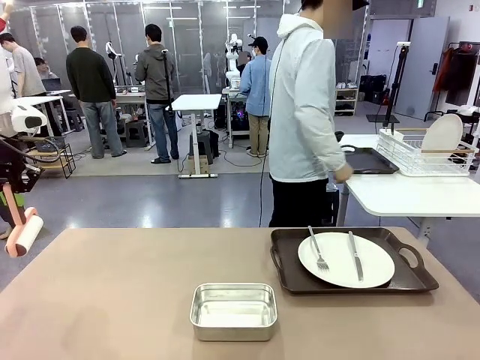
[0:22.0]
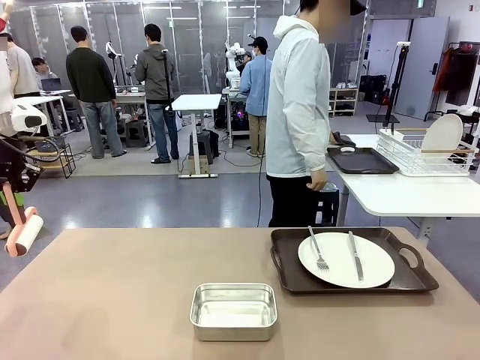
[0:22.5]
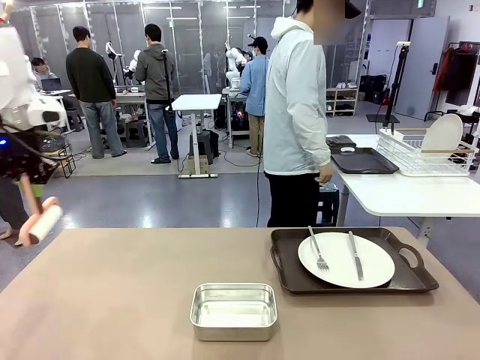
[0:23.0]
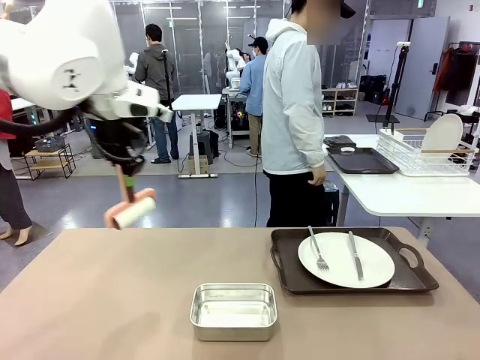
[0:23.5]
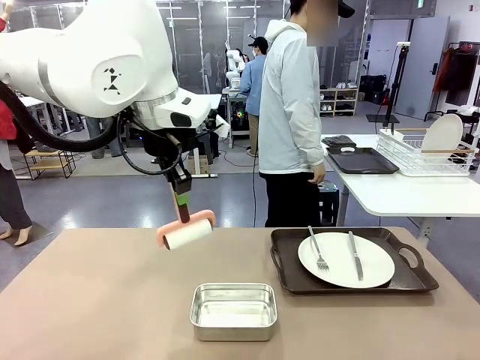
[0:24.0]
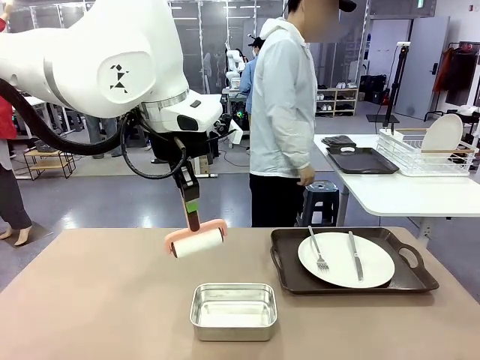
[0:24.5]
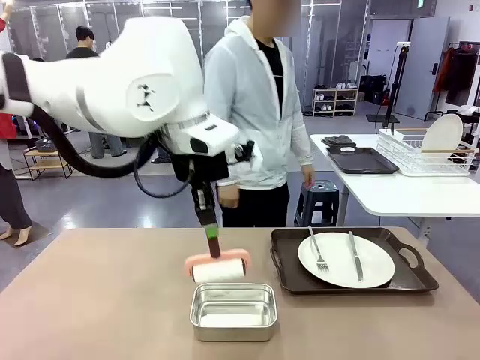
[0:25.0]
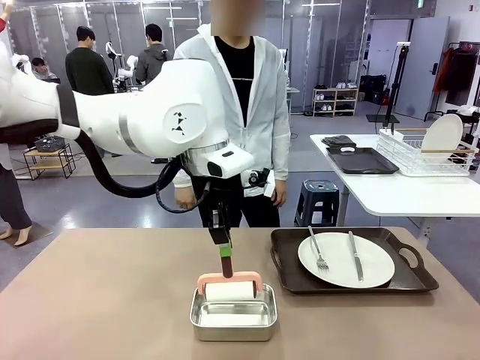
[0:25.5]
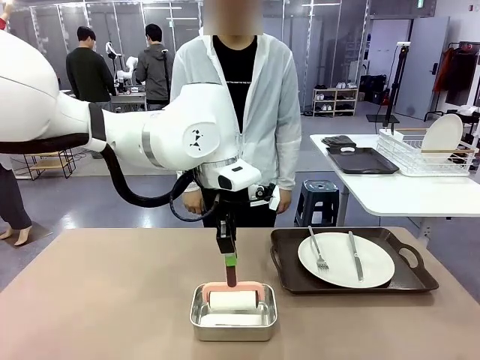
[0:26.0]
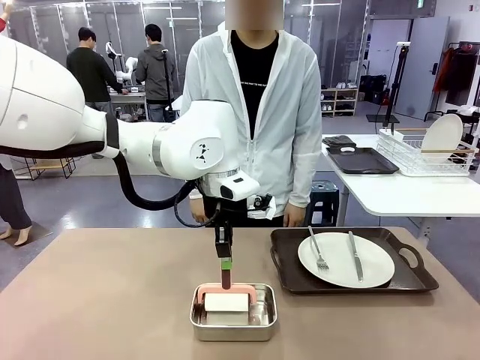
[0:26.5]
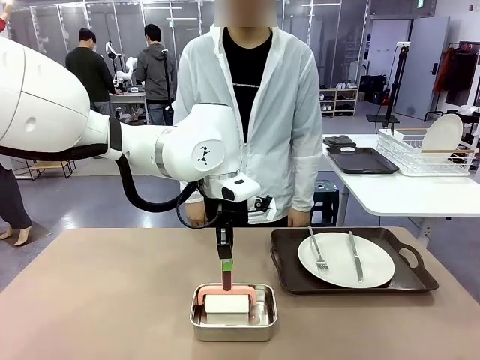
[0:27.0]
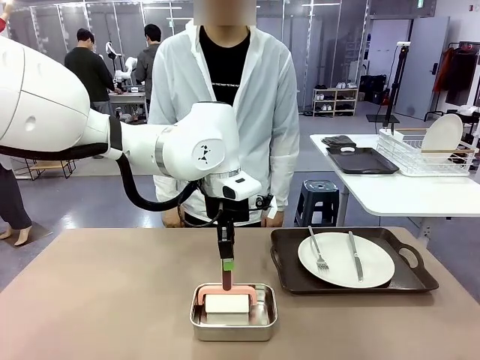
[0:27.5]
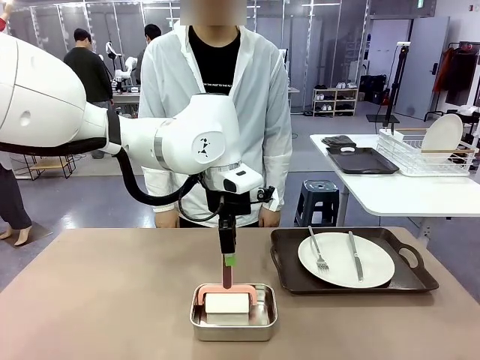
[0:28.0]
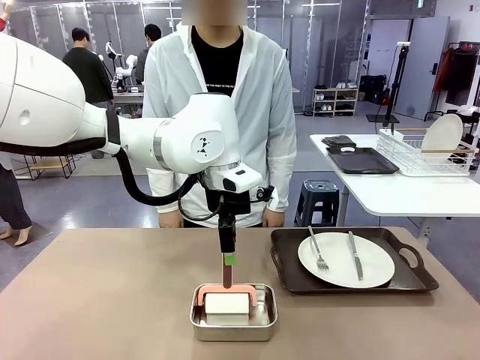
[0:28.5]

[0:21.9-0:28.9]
Robot: Place the Lint Roller back on top of the Airtight Container.

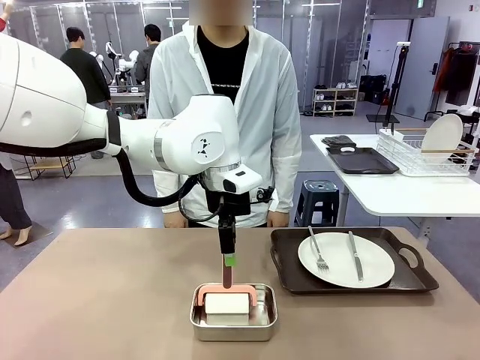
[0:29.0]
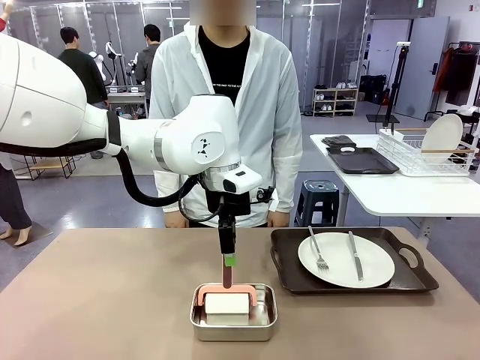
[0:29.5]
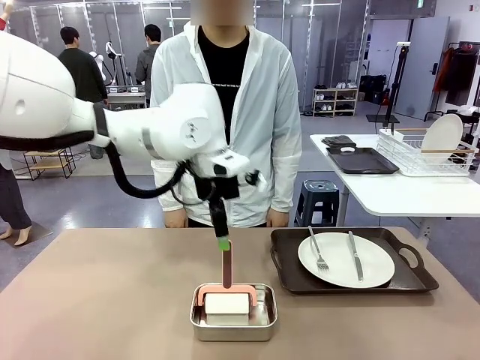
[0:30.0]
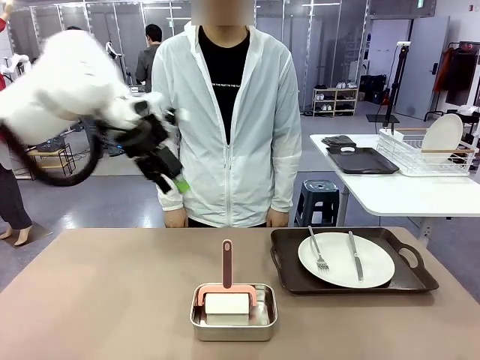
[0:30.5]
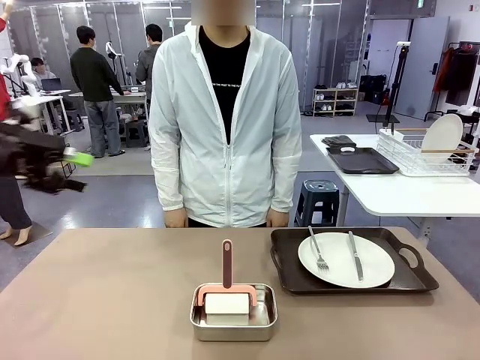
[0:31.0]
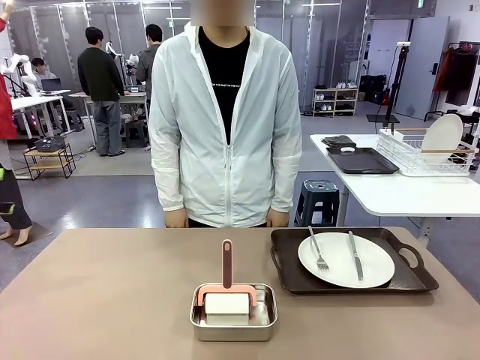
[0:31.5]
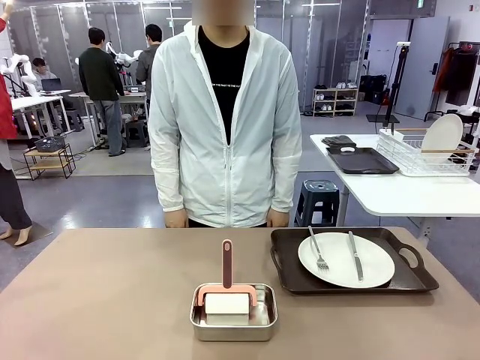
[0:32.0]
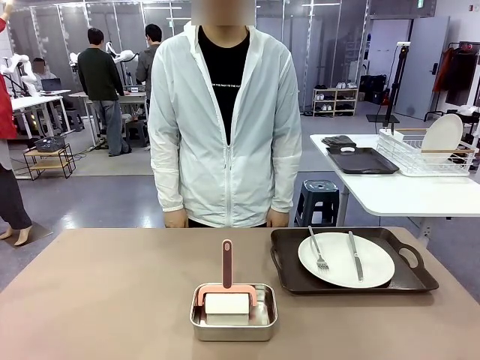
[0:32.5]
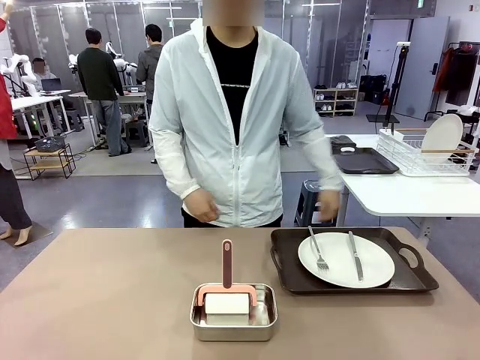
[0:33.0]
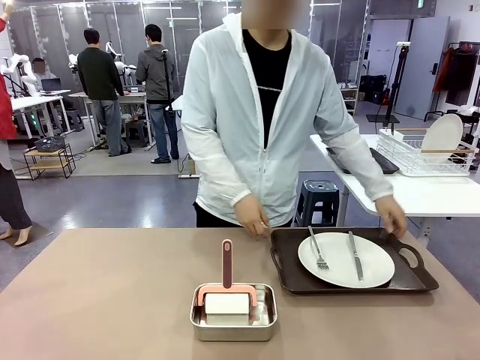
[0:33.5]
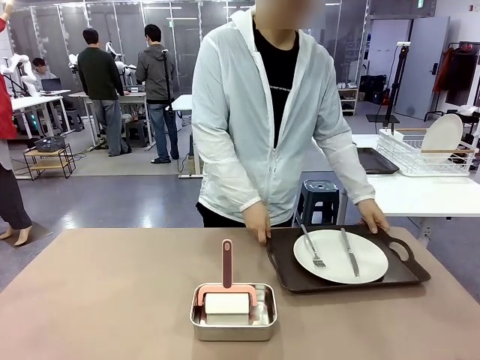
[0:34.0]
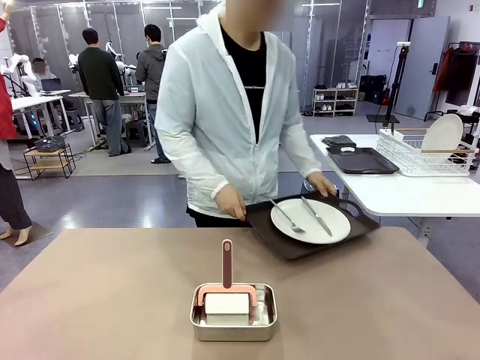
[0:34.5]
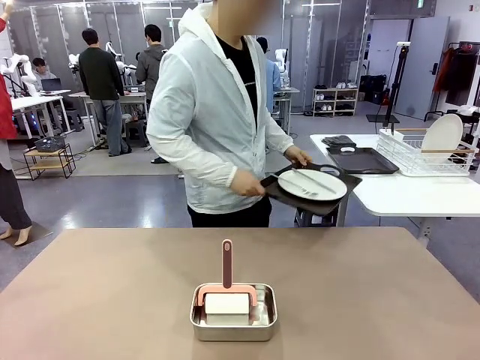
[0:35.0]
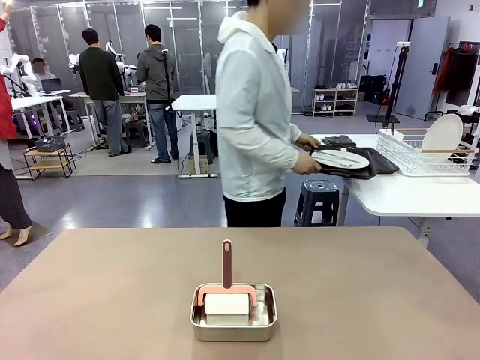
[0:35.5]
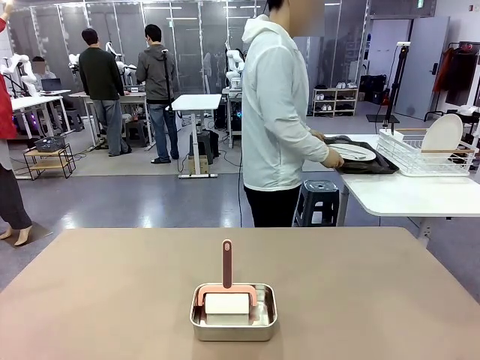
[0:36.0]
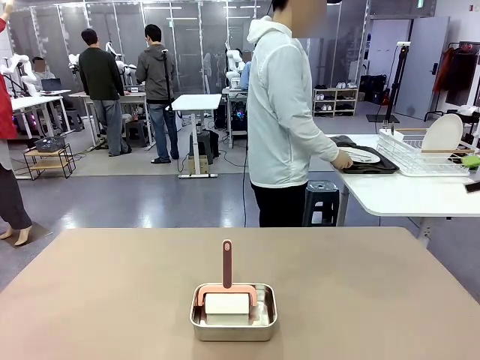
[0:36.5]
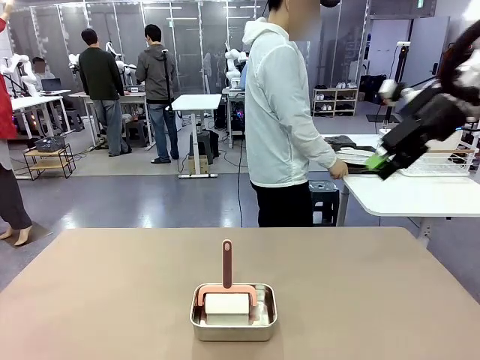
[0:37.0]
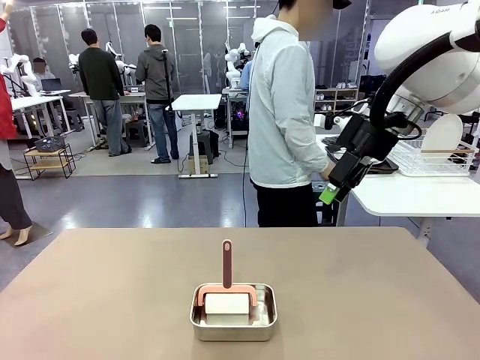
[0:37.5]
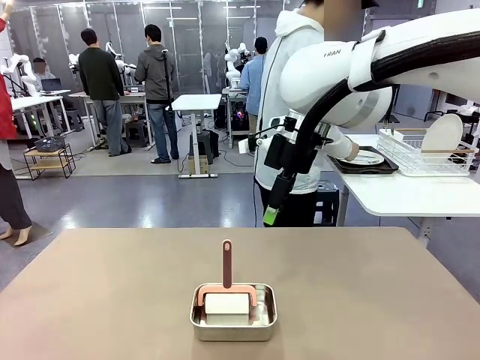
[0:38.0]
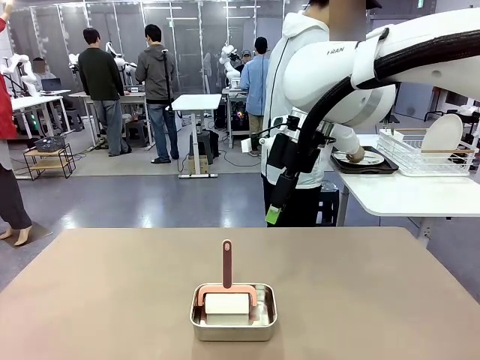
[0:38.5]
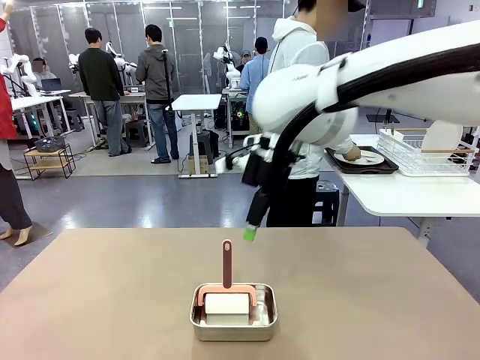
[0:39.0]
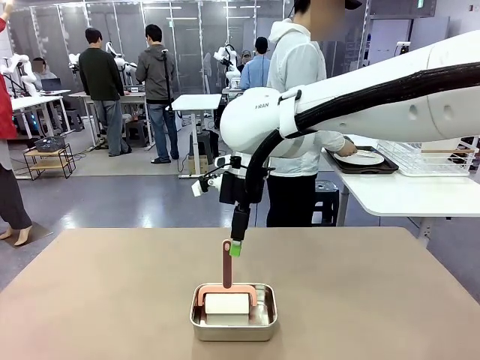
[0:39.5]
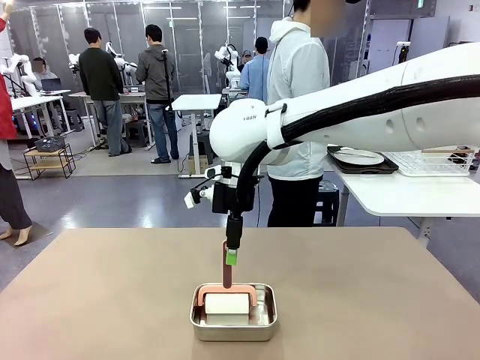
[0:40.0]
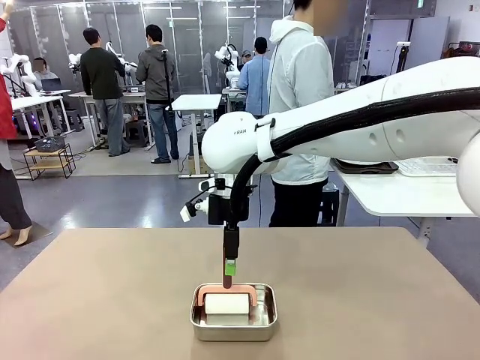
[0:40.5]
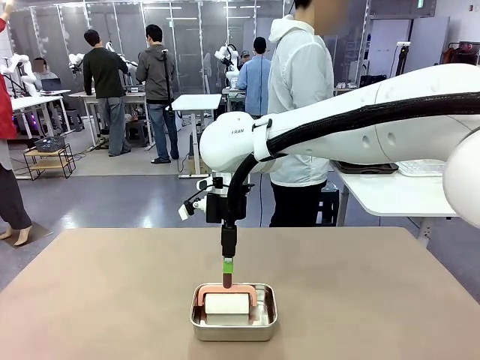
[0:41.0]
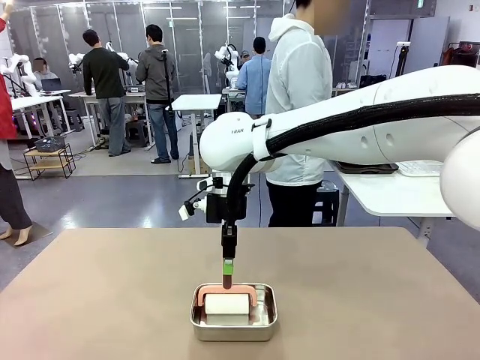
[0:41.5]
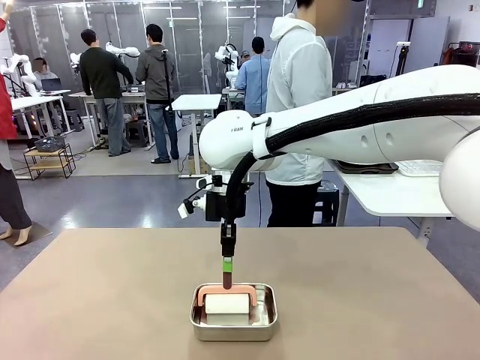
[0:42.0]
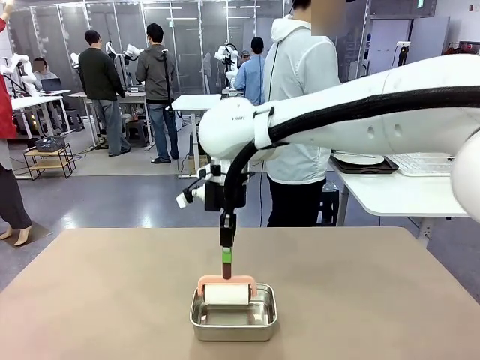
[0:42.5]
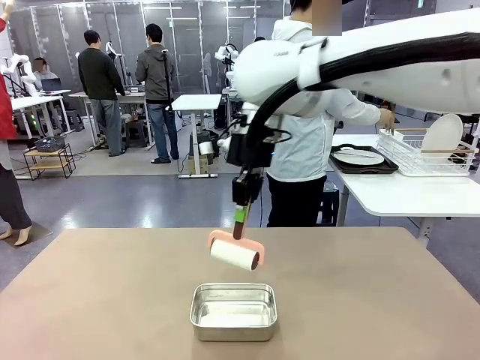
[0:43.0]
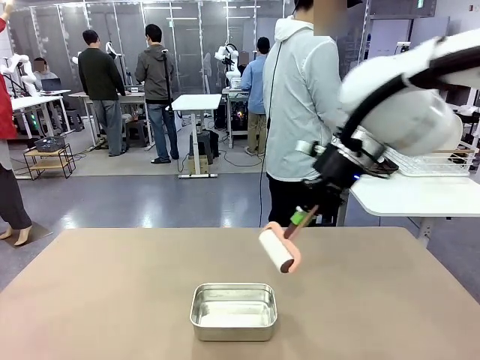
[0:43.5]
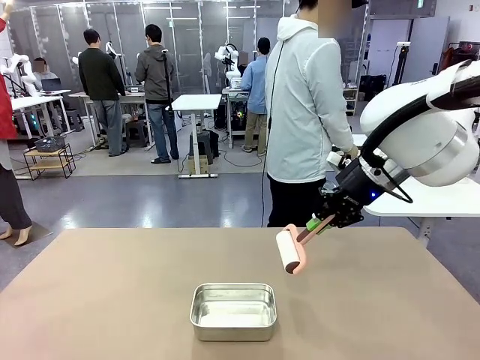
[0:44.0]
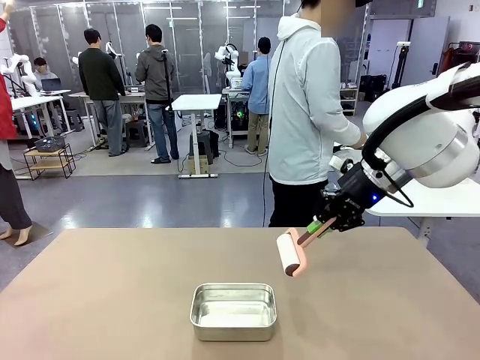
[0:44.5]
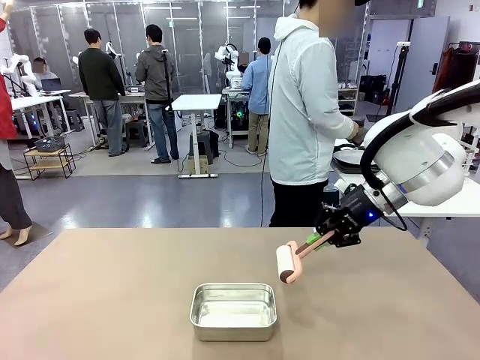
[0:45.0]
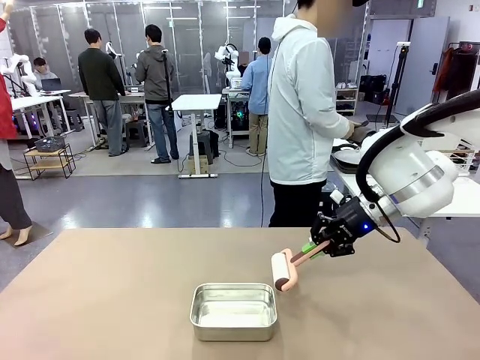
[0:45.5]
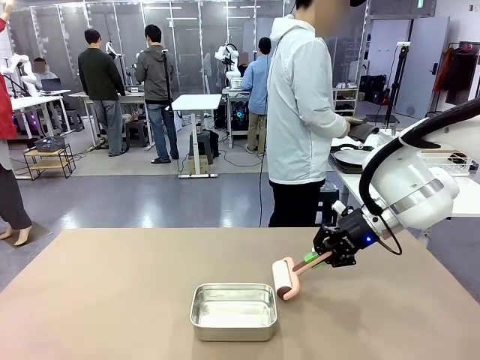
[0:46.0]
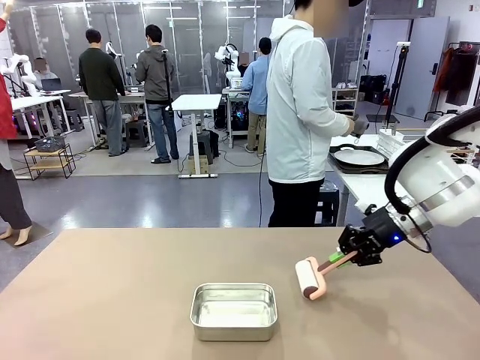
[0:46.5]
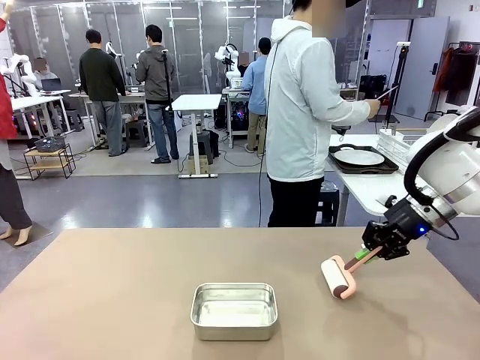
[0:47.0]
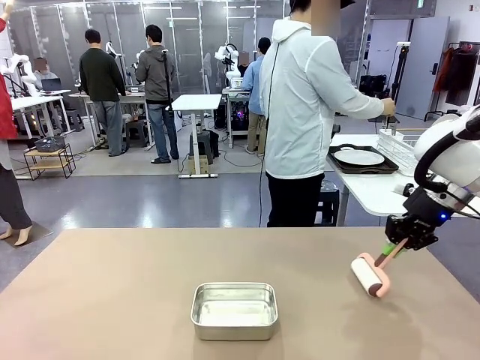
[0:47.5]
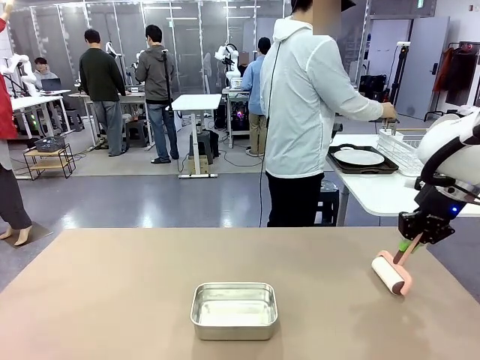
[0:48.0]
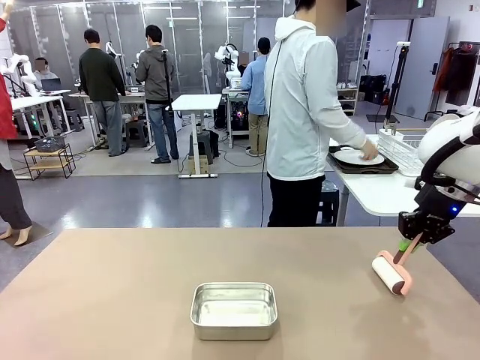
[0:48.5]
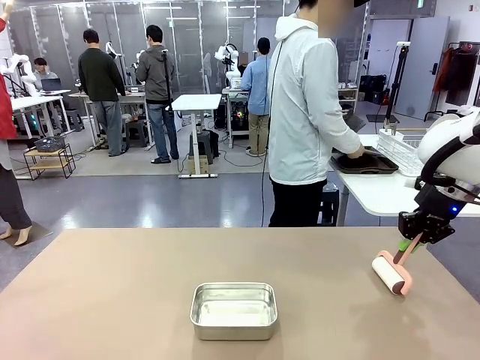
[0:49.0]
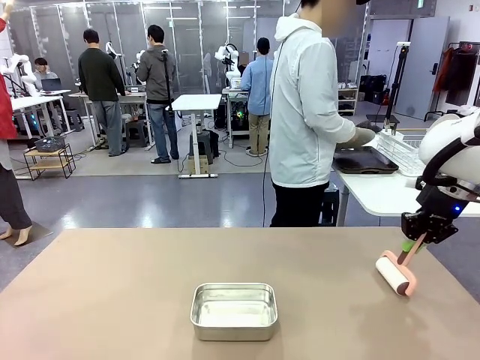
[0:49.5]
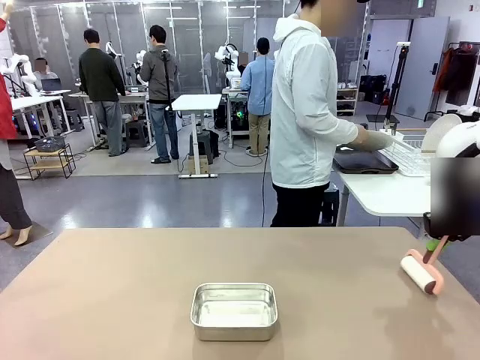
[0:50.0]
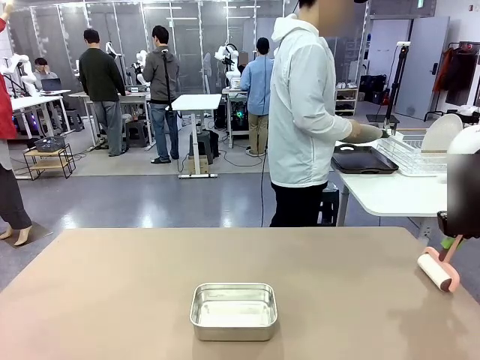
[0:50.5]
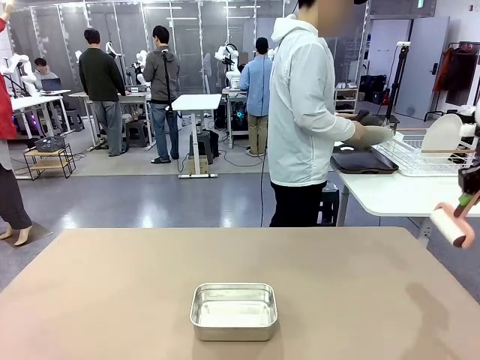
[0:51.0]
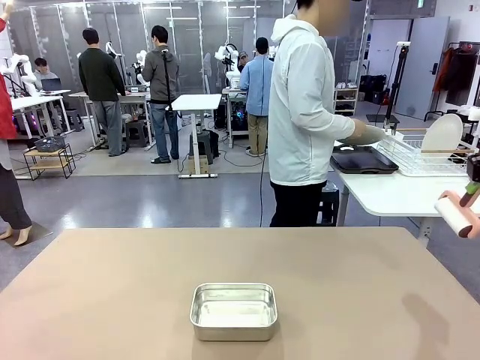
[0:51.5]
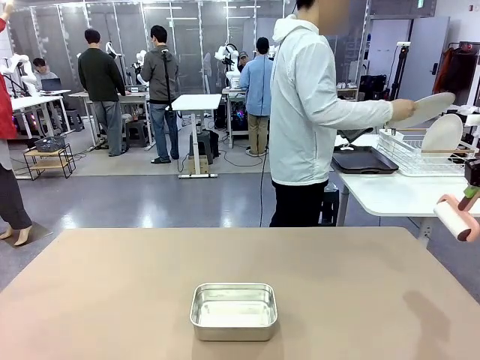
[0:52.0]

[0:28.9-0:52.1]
Robot: When the right (or left) Handle tray is removed, use the right hand (or left hand) to clean the right (or left) side of the table with the Lint Roller.
Person: Pick up the left (or right) Handle tray and place it on the Handle tray. Use the Towel with hook to wipe the Plastic Matte Plate , Fork , and Knife and place into the Dish drying rack.
